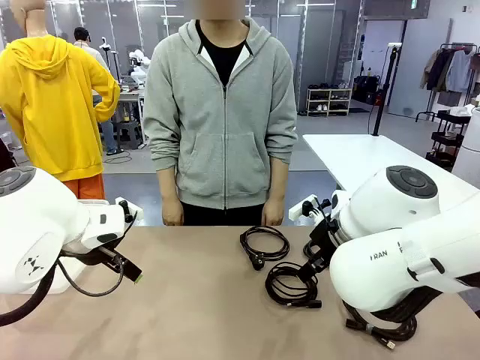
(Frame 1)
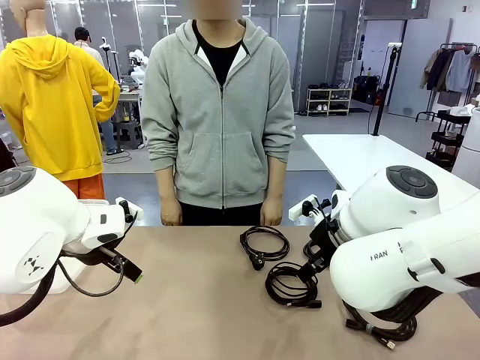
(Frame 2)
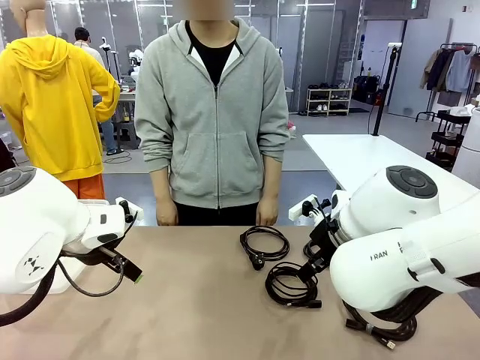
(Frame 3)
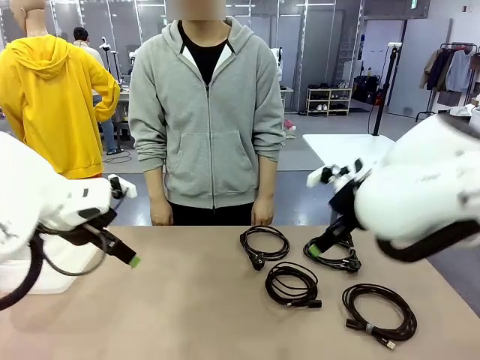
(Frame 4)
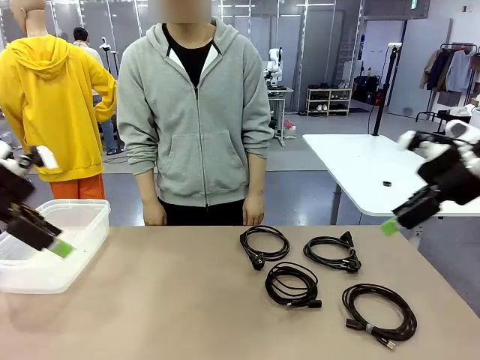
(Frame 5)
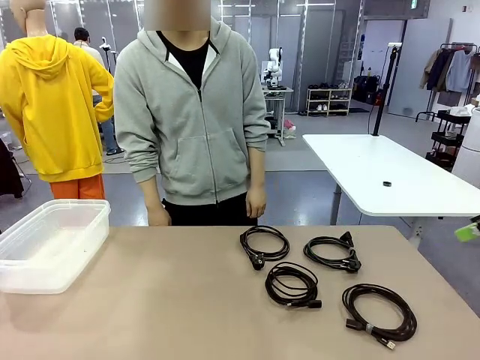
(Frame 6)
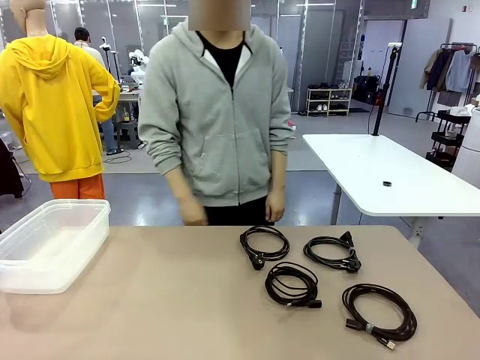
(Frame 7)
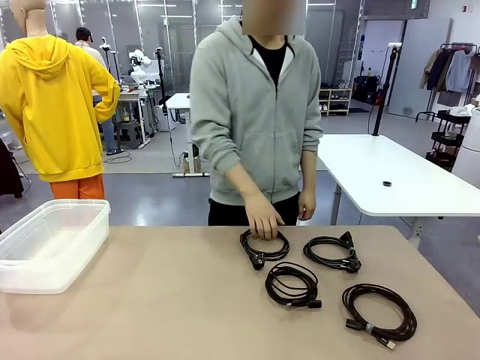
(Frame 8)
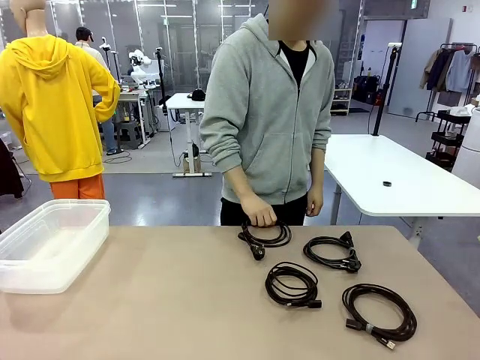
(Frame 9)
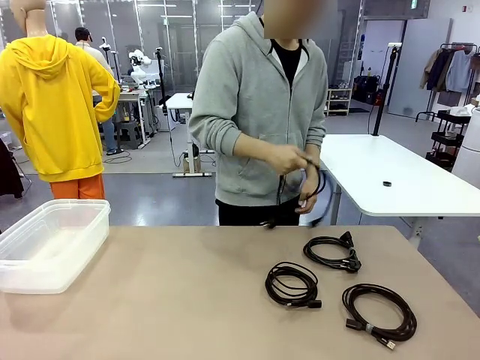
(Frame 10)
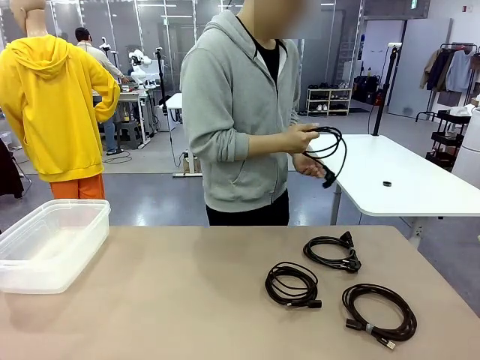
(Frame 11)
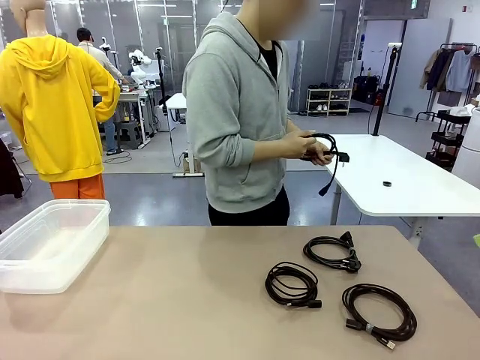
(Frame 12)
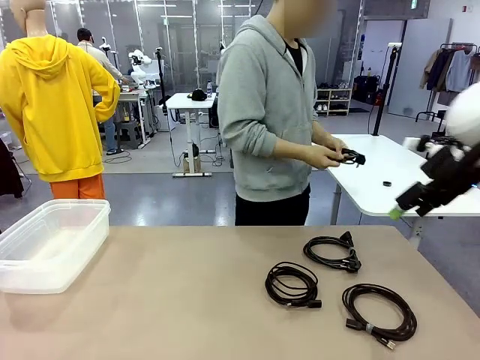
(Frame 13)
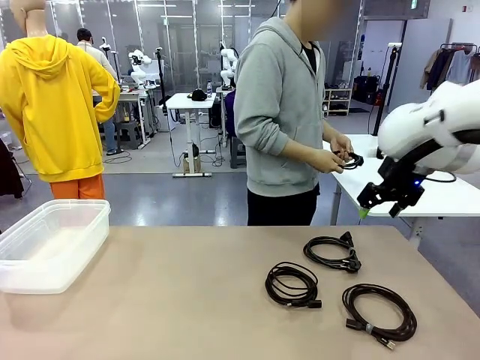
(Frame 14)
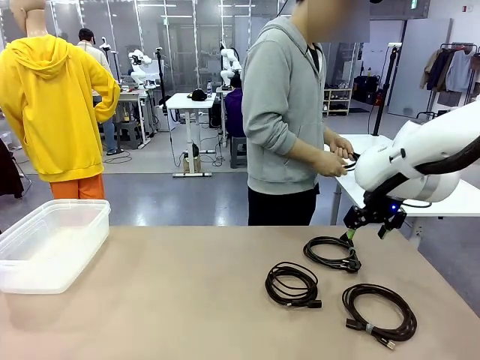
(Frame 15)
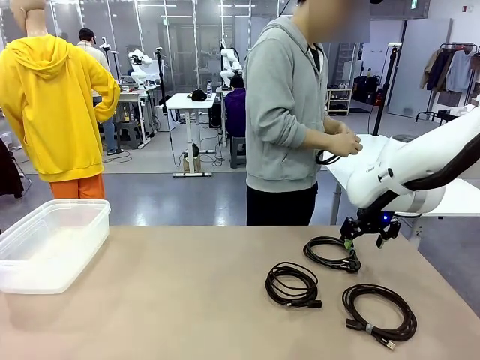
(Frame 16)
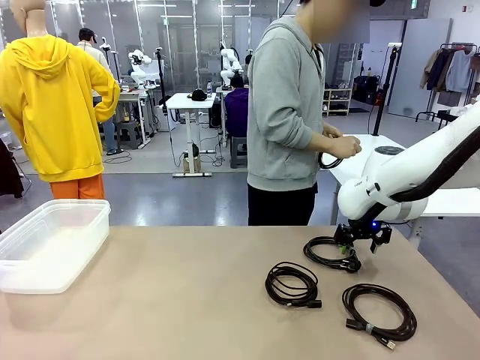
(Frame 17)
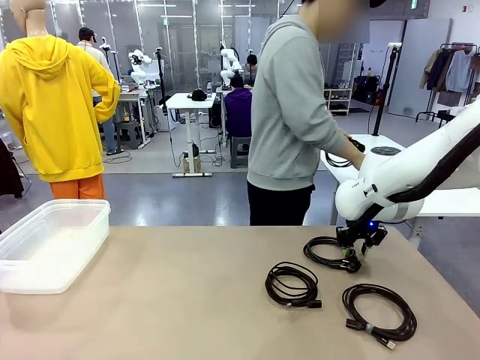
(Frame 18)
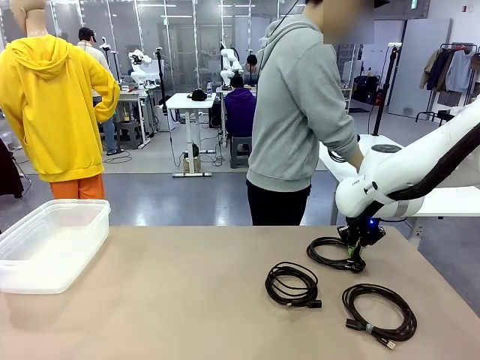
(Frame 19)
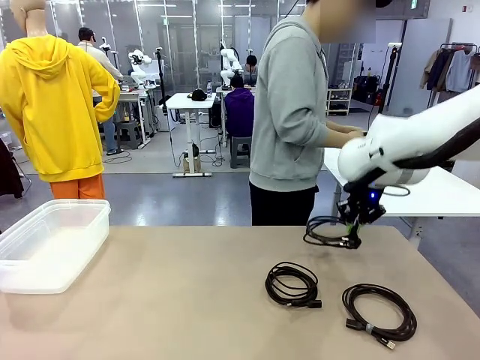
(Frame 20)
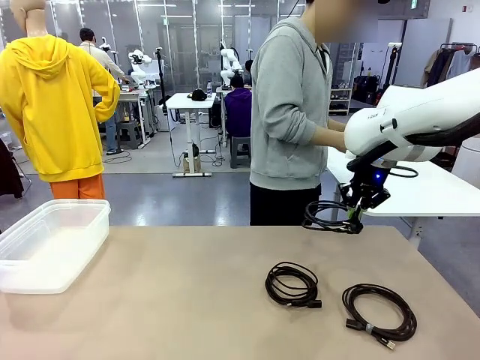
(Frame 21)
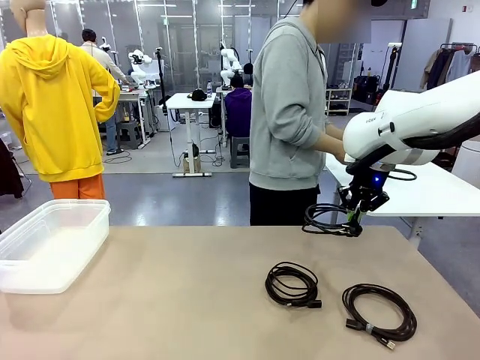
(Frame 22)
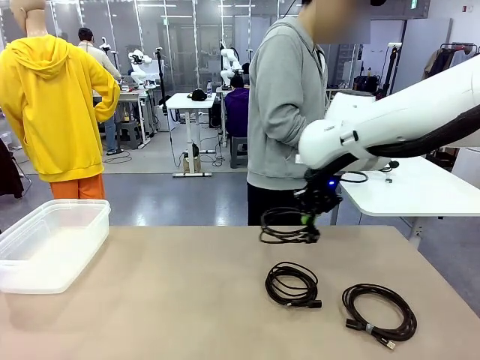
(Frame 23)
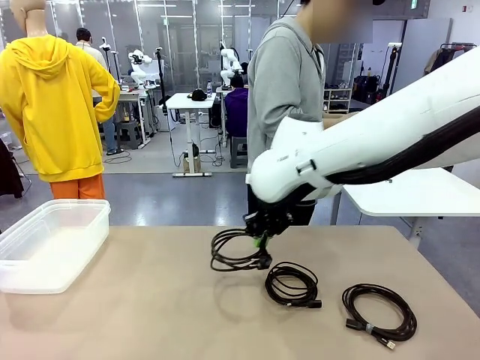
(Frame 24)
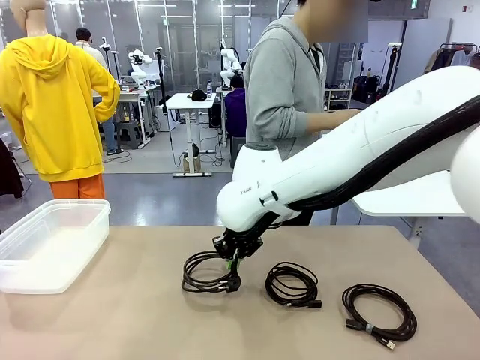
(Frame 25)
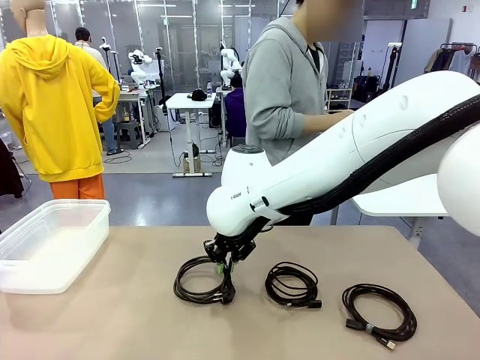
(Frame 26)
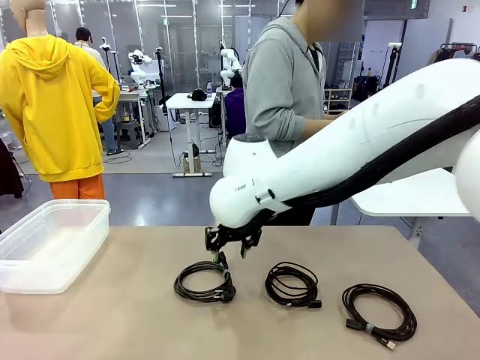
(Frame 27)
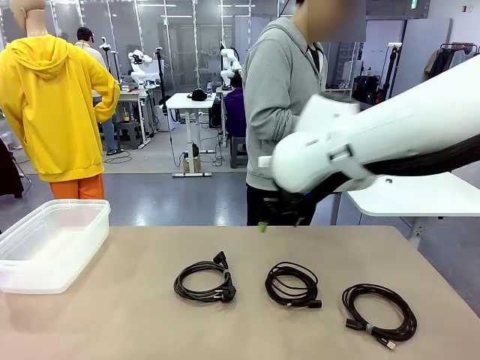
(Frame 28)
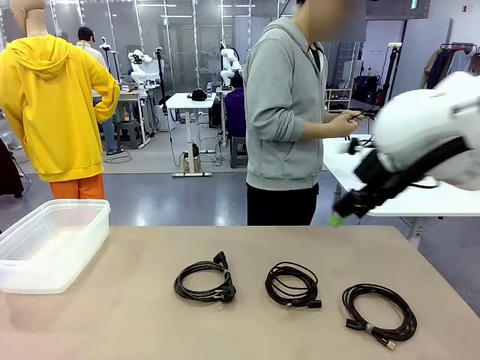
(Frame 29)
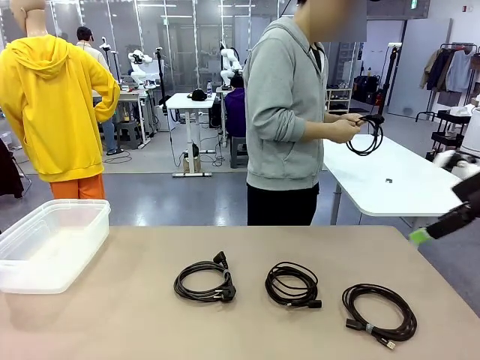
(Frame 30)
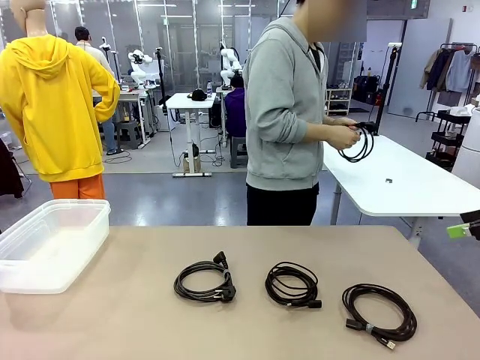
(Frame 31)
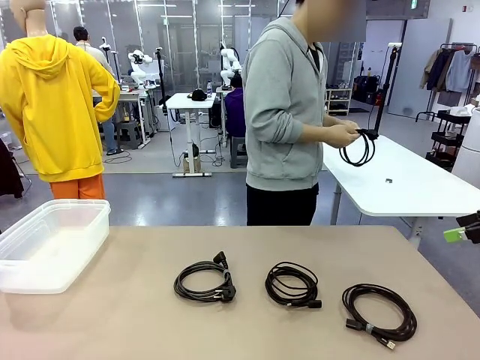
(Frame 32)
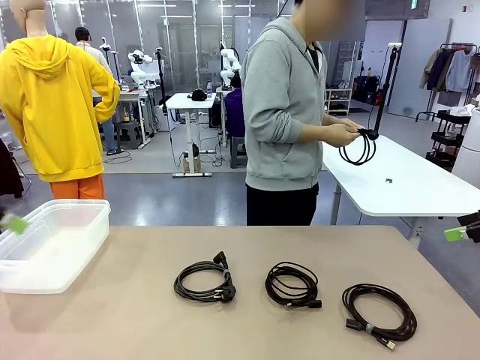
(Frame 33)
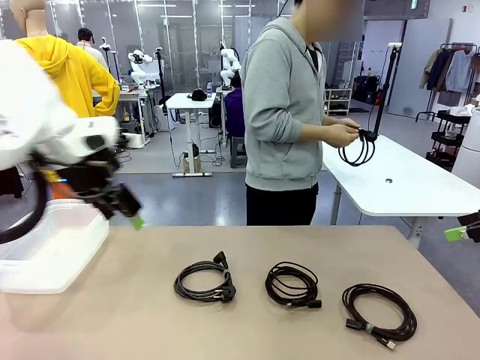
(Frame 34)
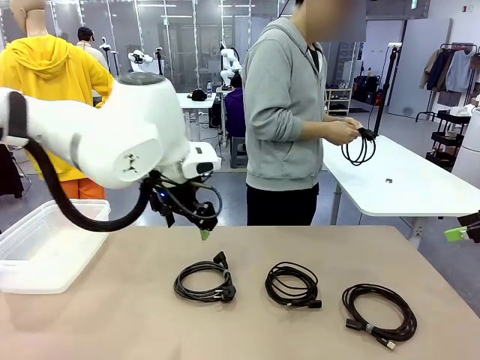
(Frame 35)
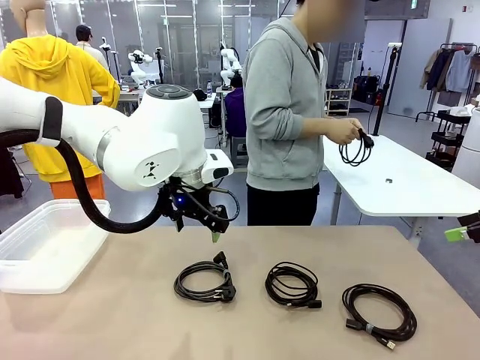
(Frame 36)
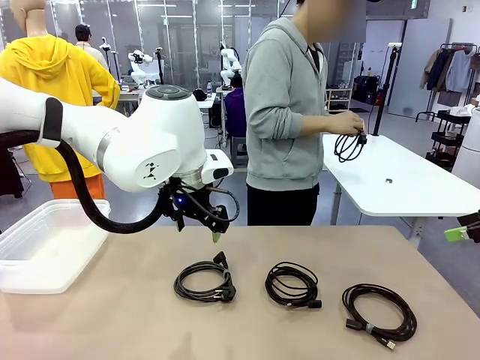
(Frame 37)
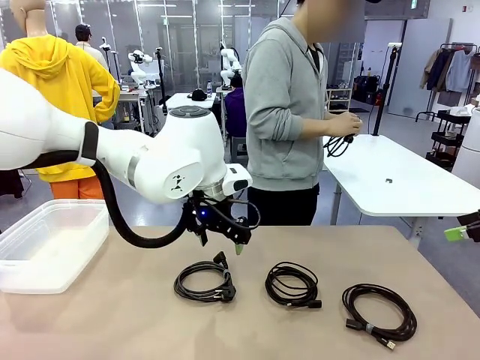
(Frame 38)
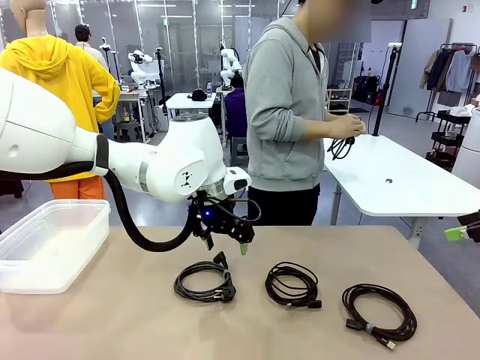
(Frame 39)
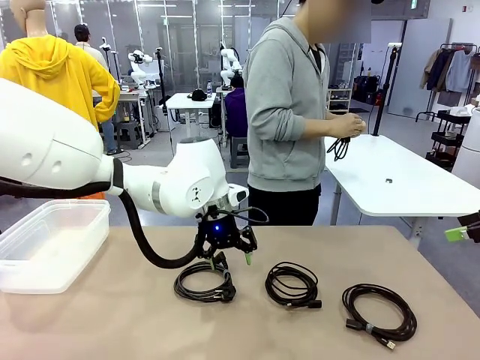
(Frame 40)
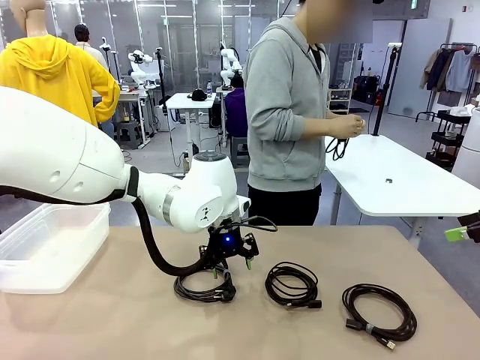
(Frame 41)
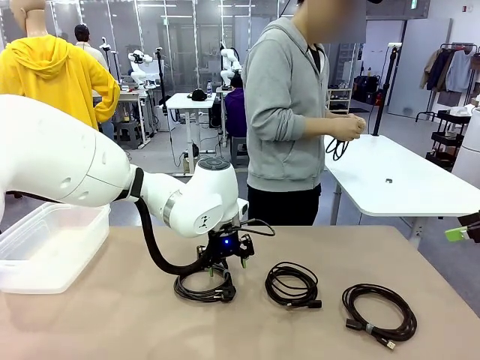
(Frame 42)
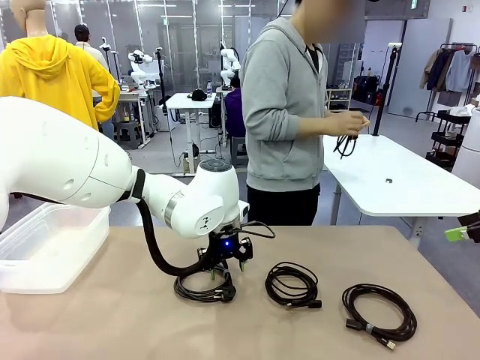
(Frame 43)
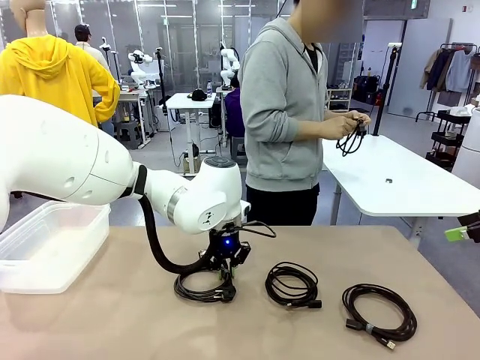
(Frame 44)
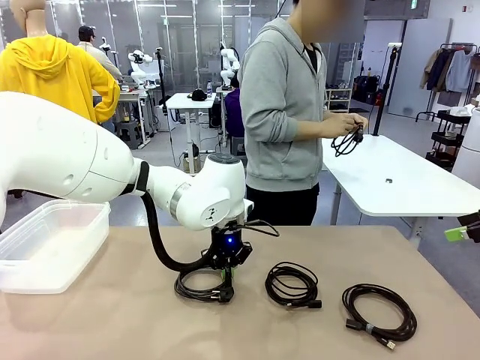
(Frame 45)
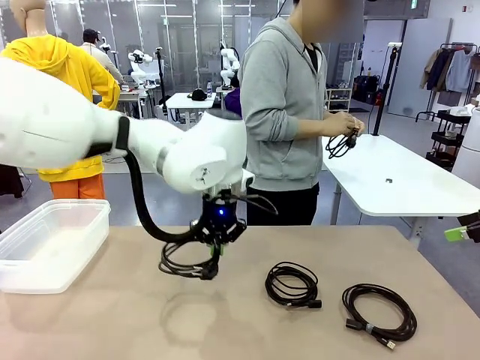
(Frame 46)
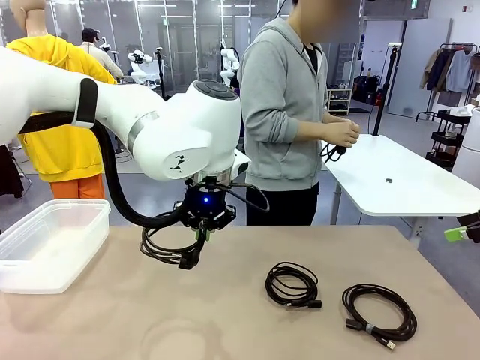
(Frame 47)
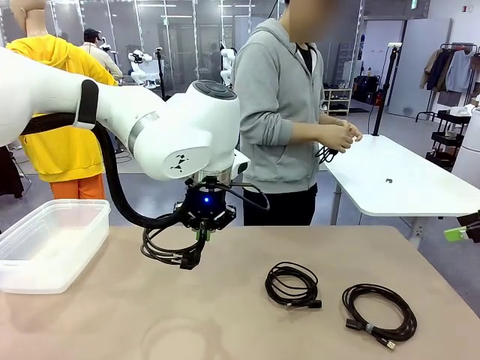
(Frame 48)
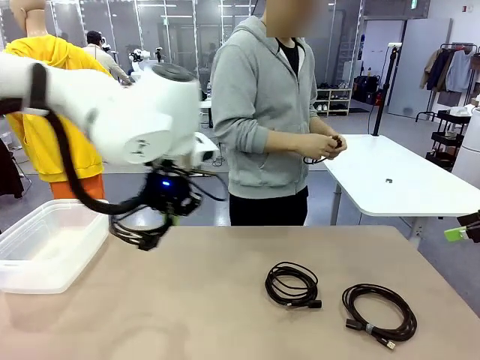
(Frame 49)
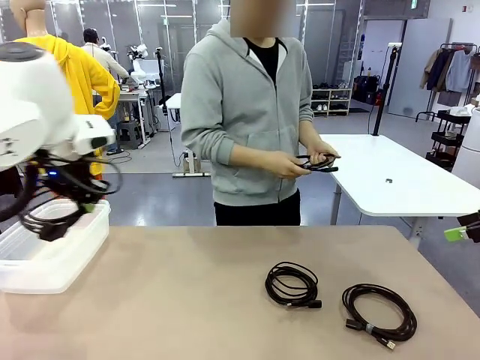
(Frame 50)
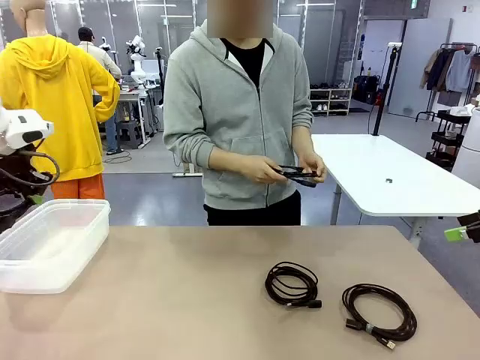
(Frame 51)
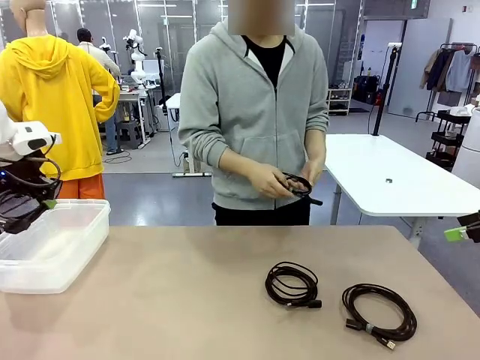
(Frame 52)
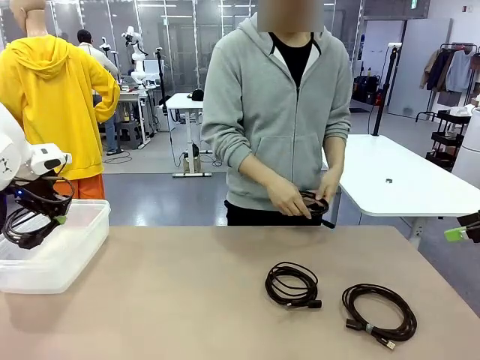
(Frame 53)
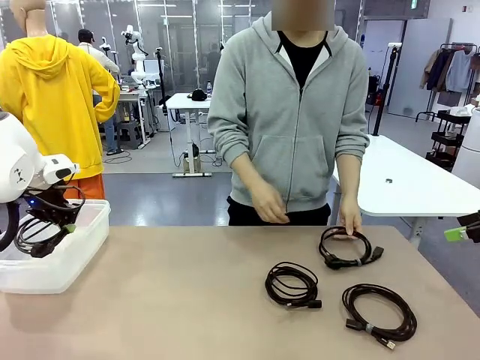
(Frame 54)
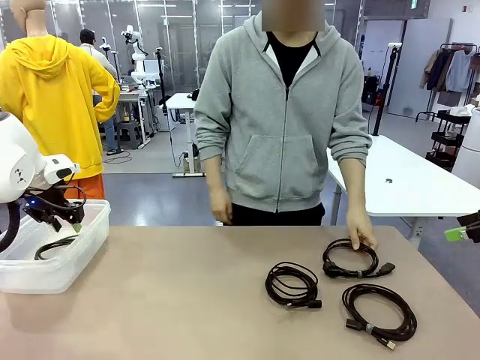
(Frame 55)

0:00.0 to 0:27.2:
Task: Organize and store the cables.
Robot: Place the Power Cable into the Organizing box.
Person: Tie one Power Cable with a Reusable Cable Tie.
